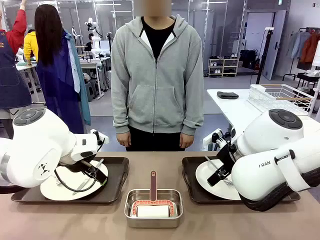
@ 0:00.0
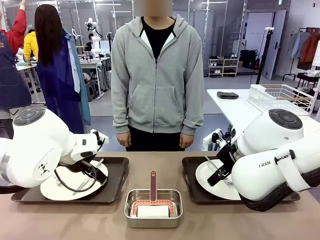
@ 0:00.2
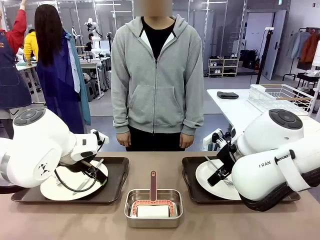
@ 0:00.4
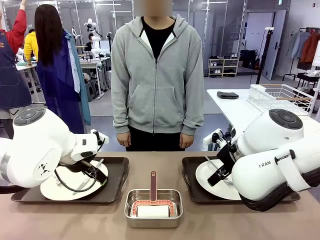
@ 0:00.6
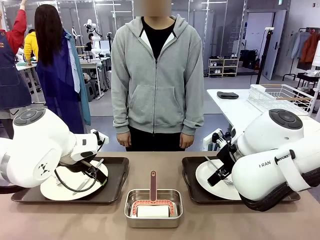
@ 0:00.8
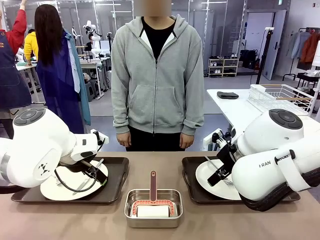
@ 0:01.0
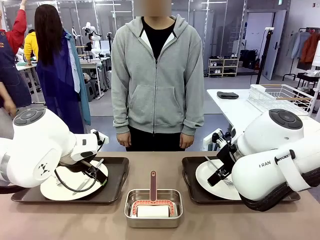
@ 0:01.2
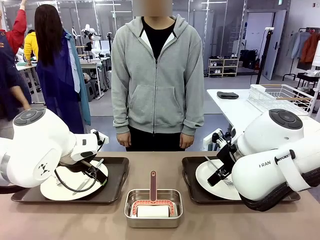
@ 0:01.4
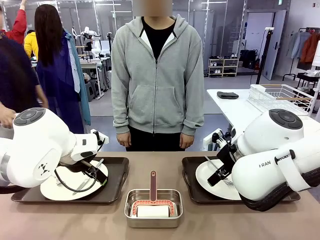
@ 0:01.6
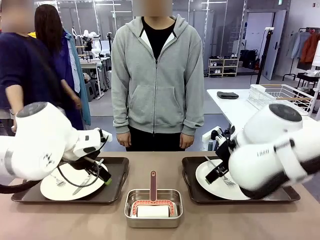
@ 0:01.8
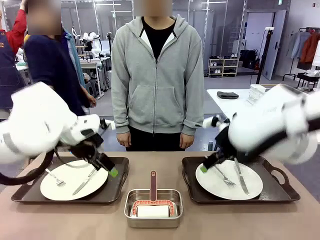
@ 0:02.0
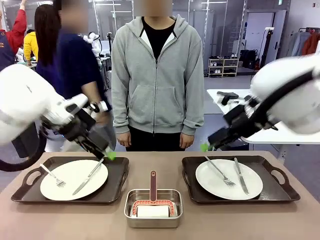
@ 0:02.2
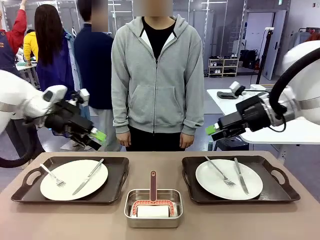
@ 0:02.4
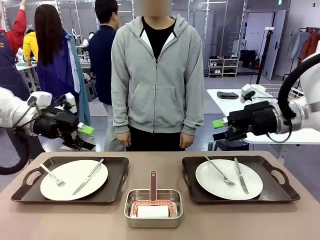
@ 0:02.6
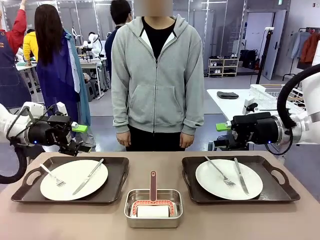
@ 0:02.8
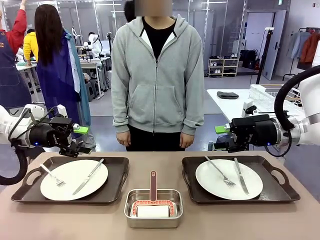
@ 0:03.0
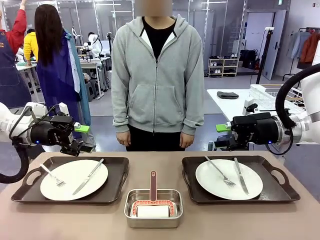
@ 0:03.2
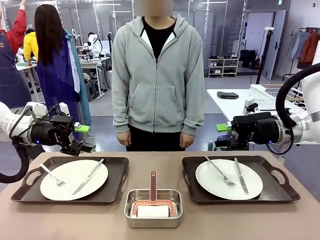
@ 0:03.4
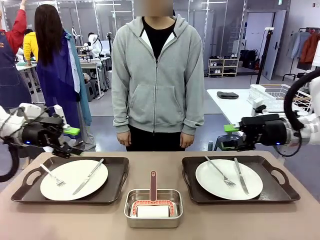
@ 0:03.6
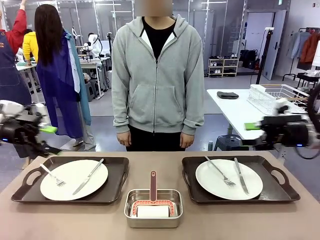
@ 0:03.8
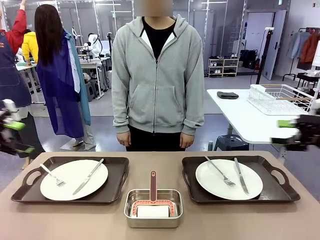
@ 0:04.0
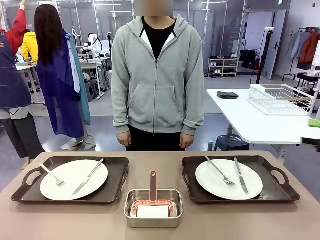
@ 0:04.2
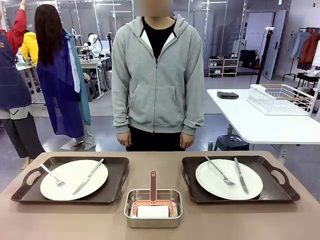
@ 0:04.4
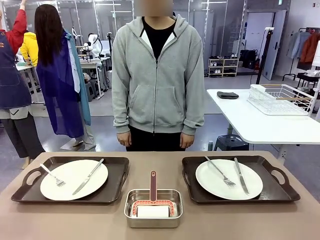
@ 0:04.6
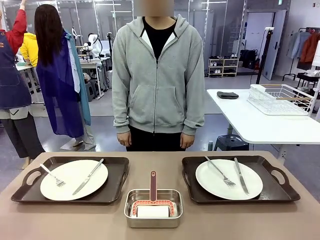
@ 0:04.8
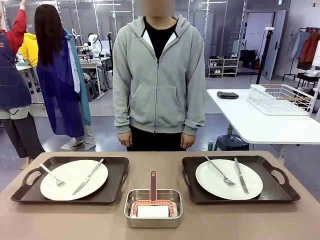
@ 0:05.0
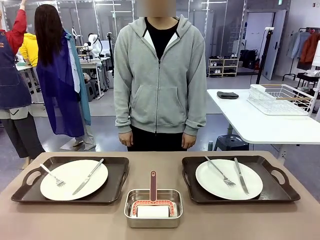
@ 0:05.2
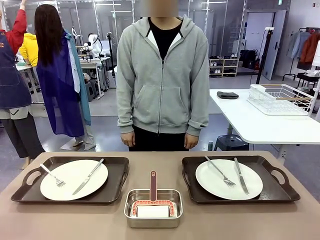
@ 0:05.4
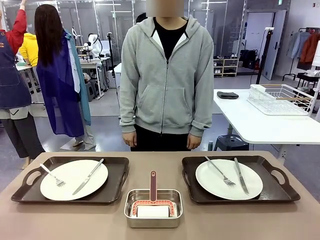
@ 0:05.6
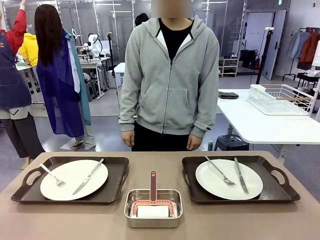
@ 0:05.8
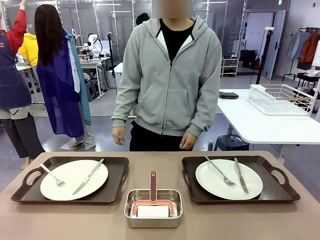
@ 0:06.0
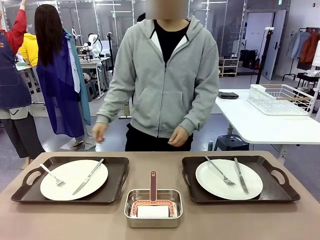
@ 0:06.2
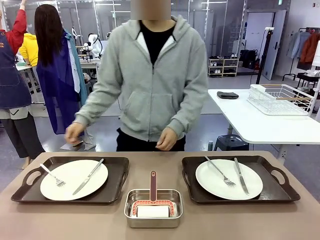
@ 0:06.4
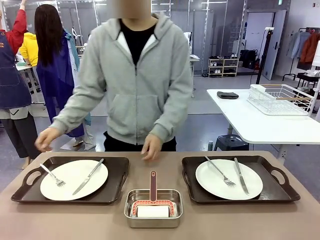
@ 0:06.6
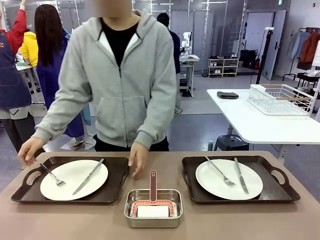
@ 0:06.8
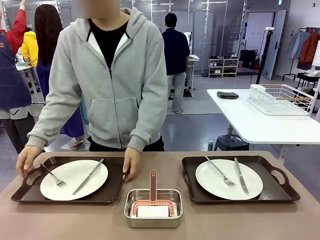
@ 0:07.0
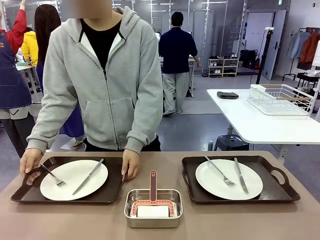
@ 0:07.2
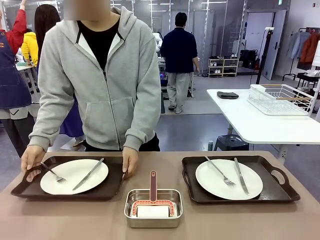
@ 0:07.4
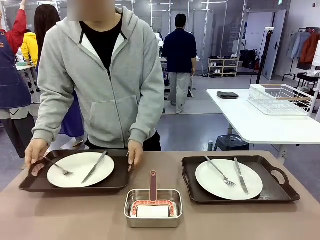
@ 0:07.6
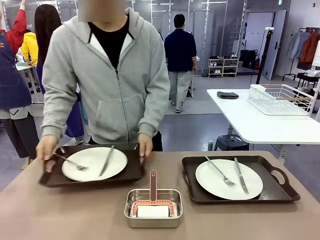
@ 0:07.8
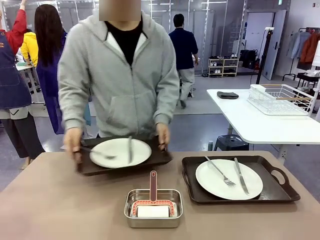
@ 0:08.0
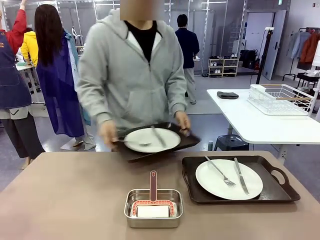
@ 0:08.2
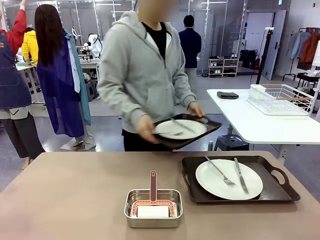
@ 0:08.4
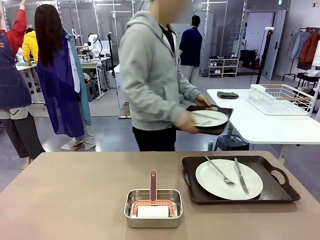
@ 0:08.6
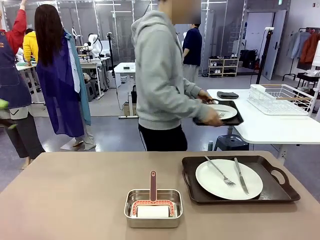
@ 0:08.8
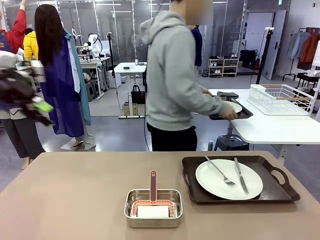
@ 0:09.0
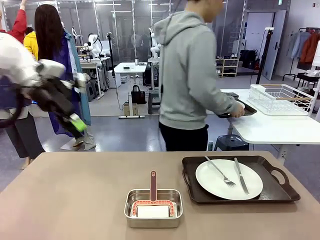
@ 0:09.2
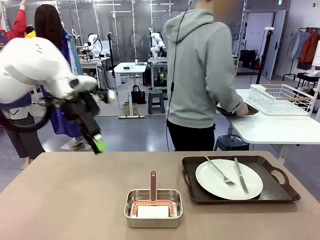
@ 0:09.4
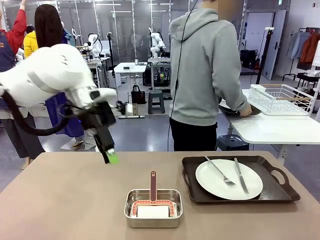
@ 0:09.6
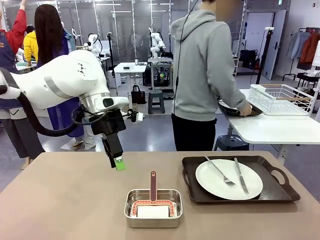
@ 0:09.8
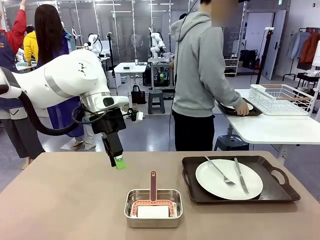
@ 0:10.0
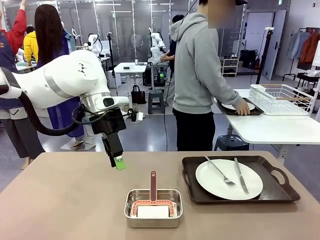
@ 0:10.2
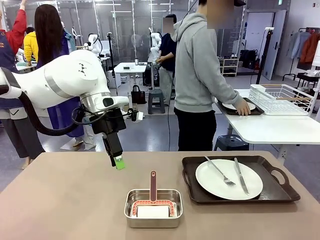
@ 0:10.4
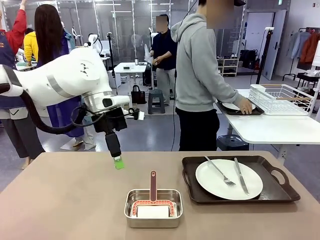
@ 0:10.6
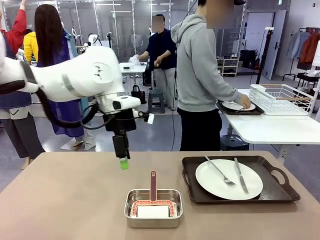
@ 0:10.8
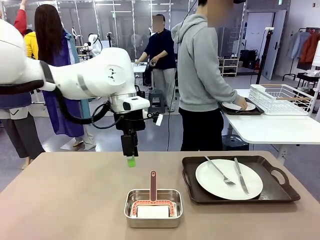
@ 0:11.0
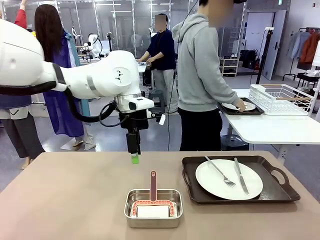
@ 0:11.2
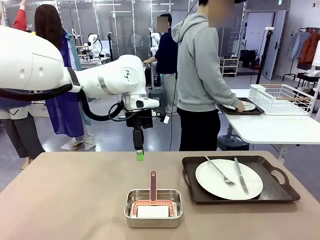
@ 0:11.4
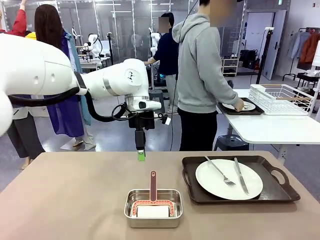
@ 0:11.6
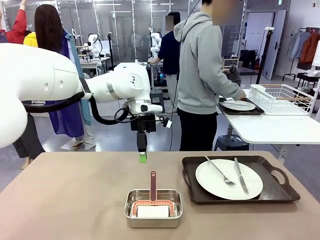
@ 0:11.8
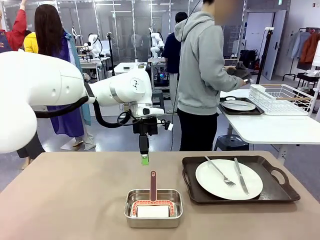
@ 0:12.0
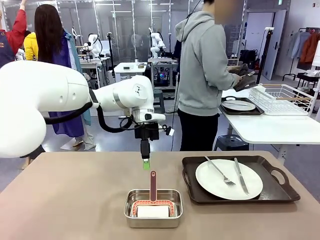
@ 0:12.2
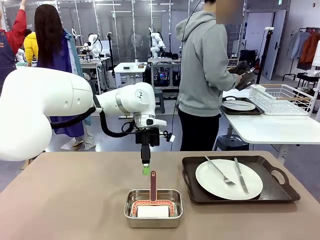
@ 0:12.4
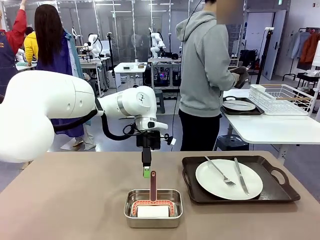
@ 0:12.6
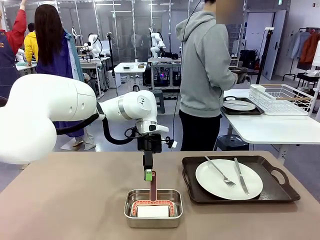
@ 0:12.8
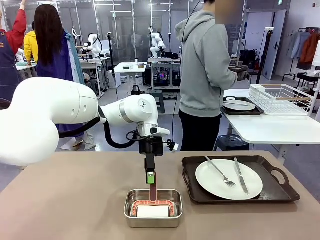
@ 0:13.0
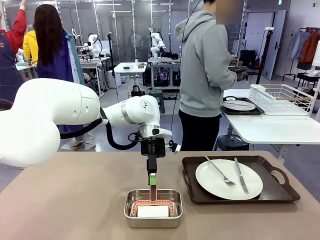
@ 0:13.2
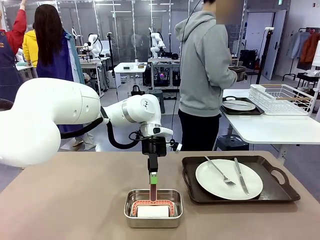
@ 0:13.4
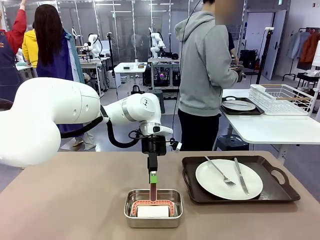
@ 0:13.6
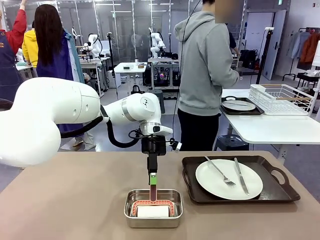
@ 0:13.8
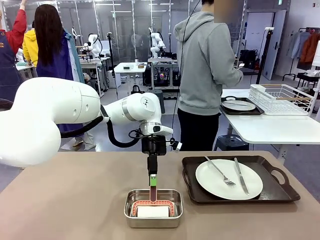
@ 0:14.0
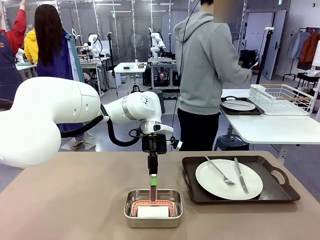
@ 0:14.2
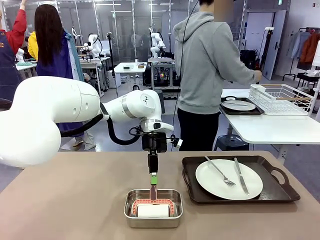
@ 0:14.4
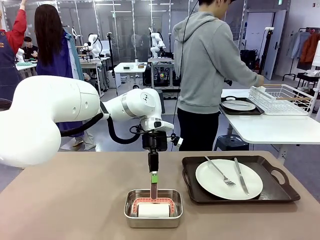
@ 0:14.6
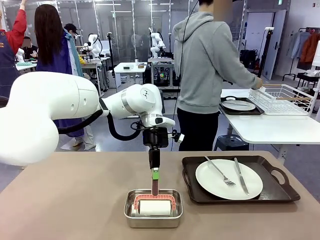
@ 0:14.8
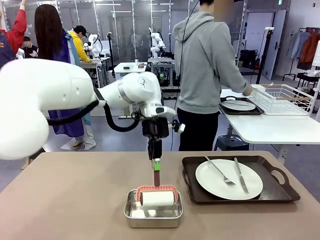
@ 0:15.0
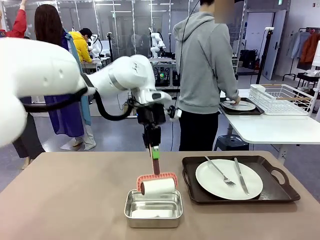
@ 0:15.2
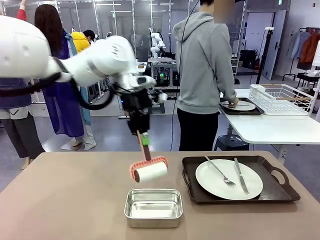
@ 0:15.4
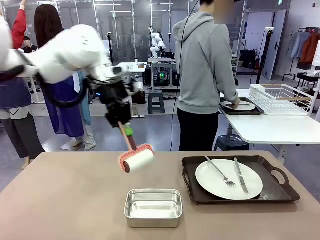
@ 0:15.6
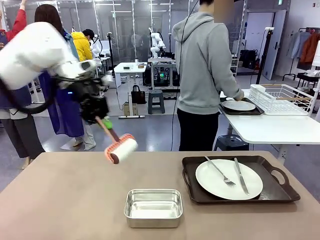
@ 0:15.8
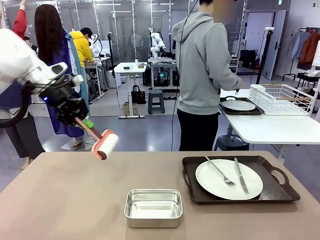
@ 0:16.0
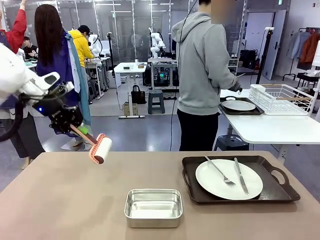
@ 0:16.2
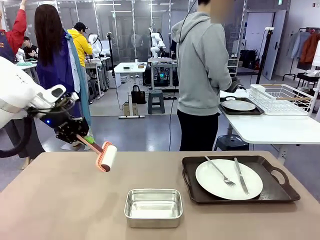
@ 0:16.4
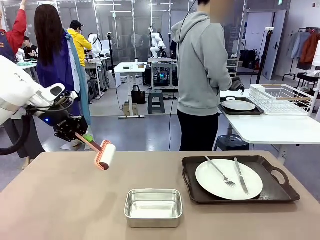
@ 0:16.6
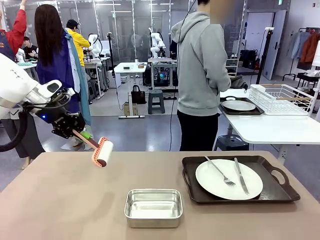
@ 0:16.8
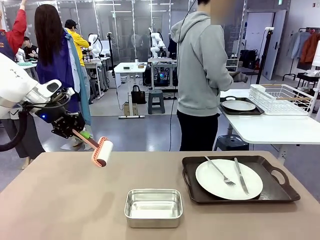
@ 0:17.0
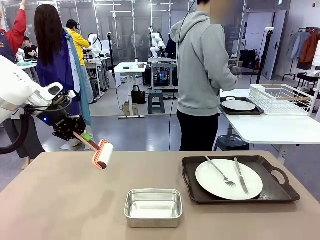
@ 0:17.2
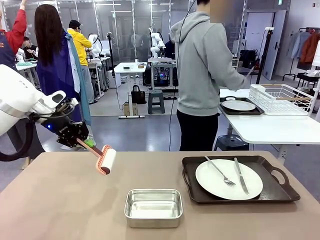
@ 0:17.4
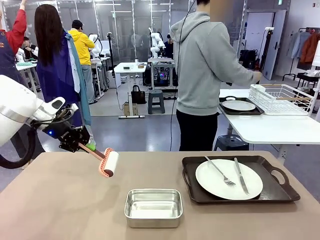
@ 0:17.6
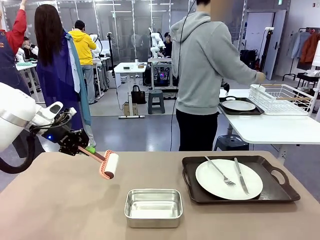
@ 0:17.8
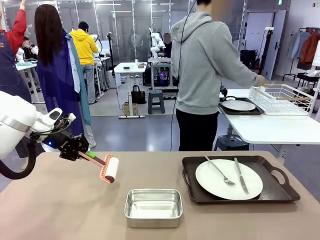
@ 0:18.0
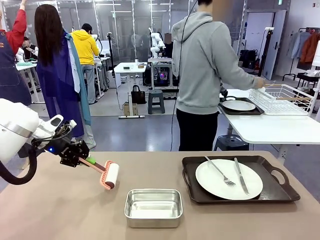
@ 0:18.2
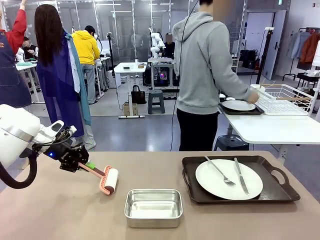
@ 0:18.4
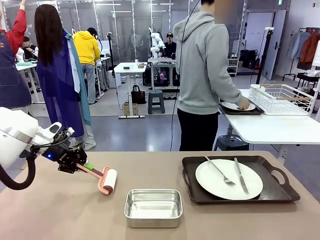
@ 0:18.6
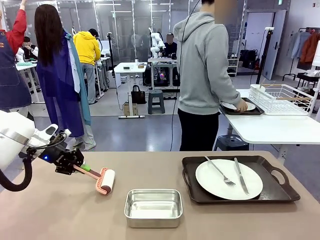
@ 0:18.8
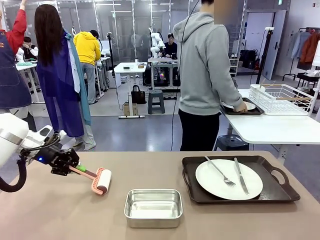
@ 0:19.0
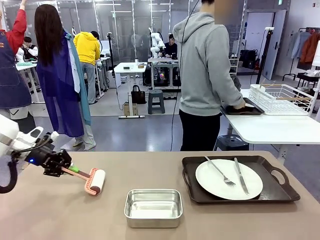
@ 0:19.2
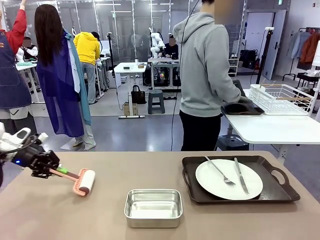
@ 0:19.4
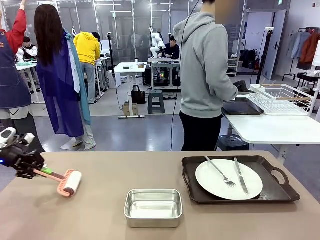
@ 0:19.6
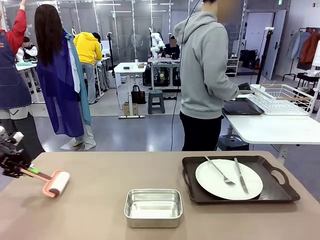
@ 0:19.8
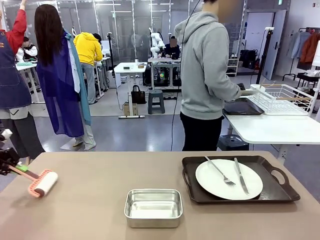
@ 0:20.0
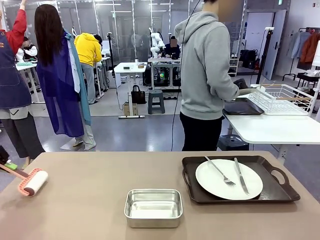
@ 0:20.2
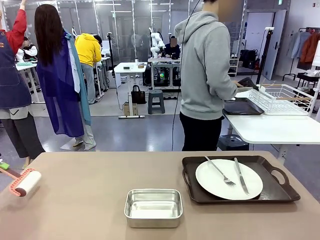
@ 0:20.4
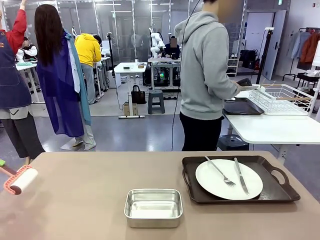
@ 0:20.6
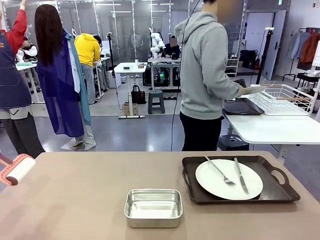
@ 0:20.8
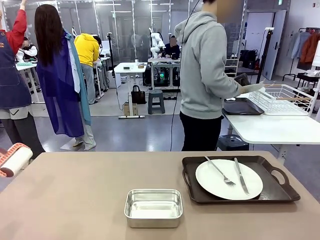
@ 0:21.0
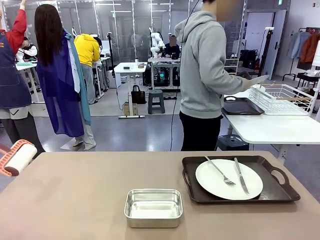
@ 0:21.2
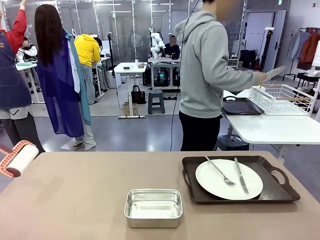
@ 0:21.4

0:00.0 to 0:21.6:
Robot: When the left (or right) Handle tray is removed, use the left hand (or right hand) to clean the left (or right) side of the table with the Lint Roller.
Person: Pick up the left (or right) Handle tray and place it on the middle of the Human's table. Use the Towel with hook to wipe the Plastic Matte Plate , Fork , and Knife and place into the Dish drying rack.
